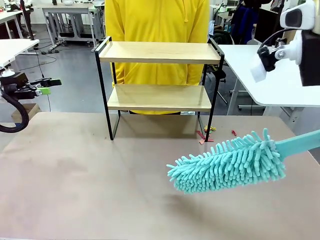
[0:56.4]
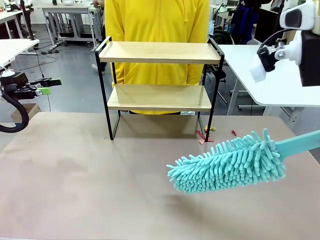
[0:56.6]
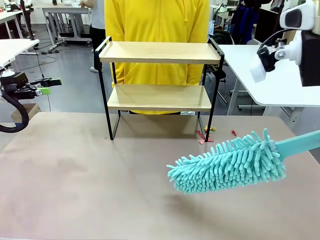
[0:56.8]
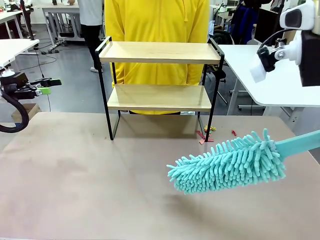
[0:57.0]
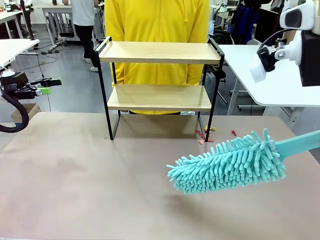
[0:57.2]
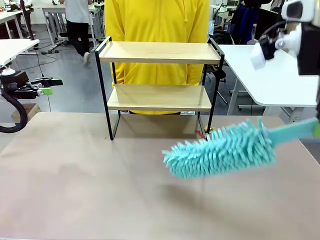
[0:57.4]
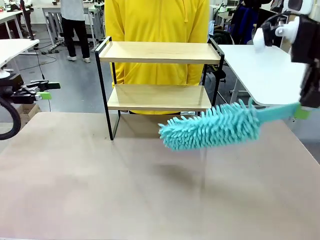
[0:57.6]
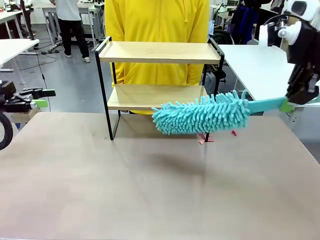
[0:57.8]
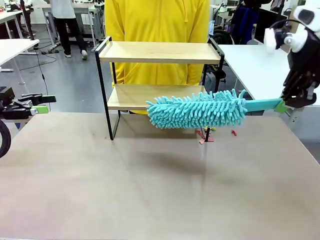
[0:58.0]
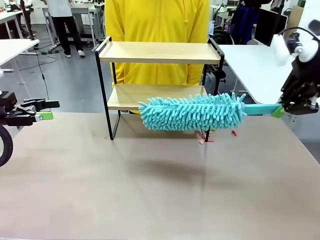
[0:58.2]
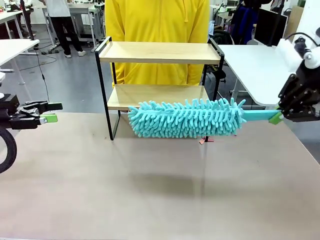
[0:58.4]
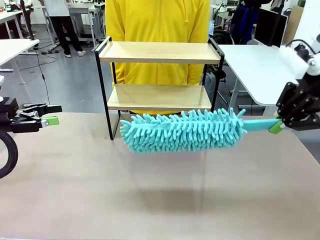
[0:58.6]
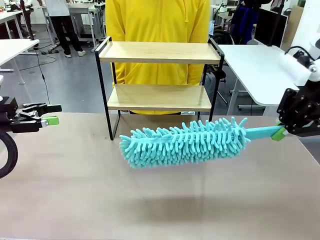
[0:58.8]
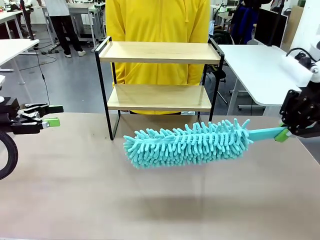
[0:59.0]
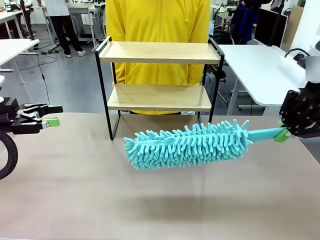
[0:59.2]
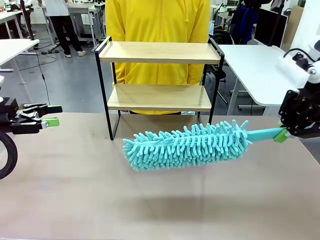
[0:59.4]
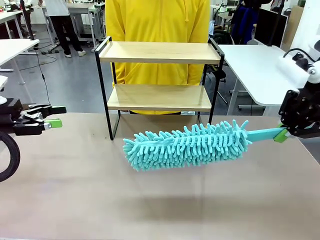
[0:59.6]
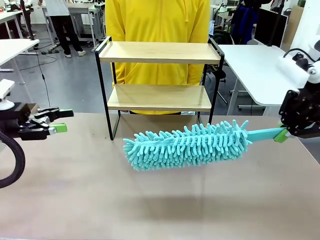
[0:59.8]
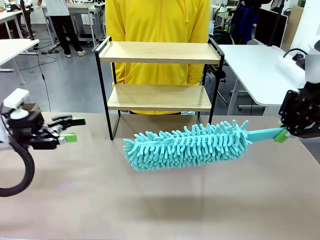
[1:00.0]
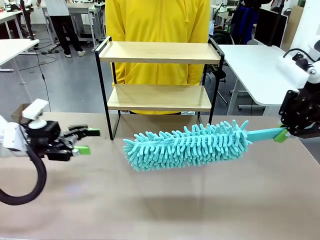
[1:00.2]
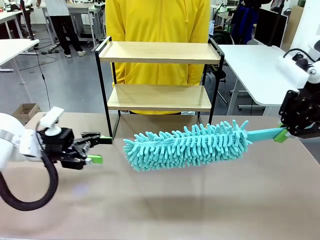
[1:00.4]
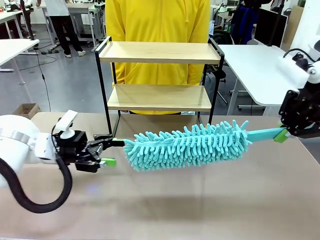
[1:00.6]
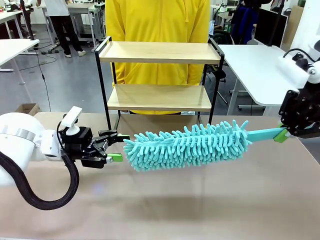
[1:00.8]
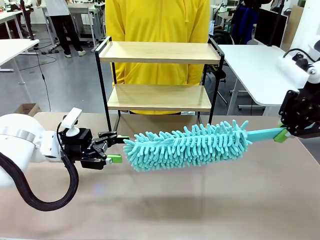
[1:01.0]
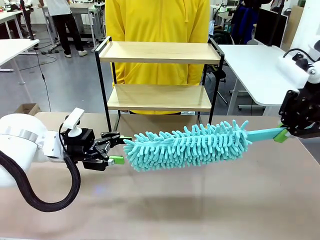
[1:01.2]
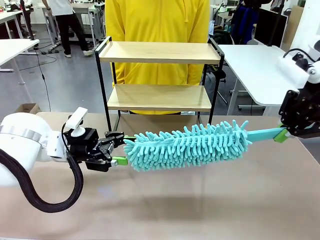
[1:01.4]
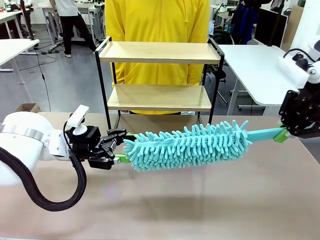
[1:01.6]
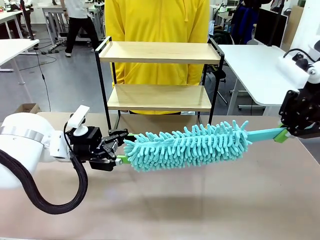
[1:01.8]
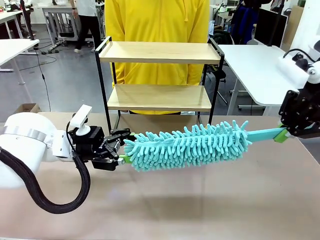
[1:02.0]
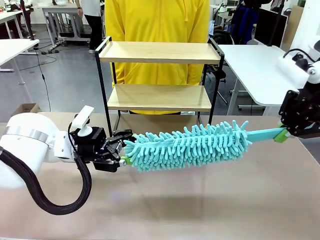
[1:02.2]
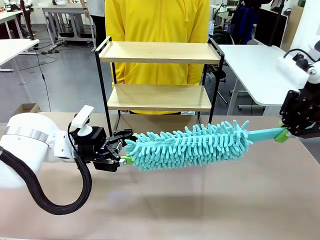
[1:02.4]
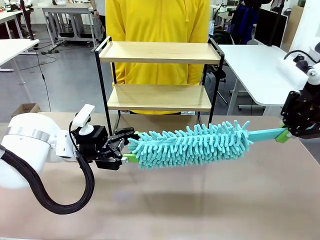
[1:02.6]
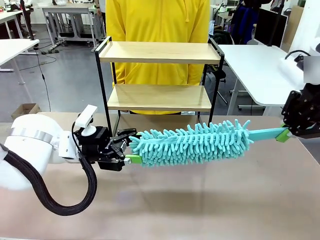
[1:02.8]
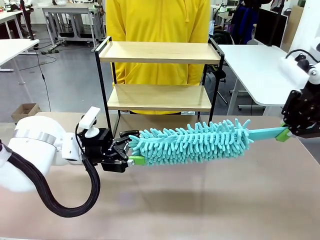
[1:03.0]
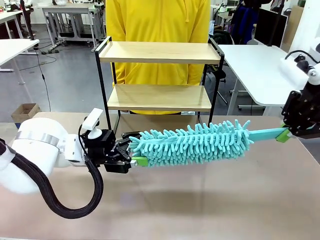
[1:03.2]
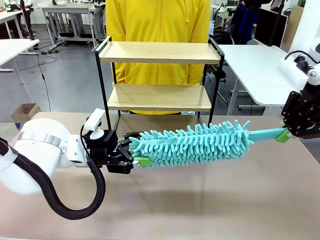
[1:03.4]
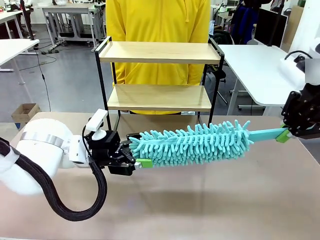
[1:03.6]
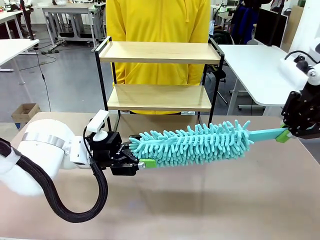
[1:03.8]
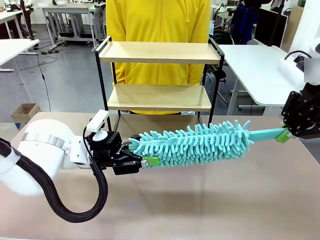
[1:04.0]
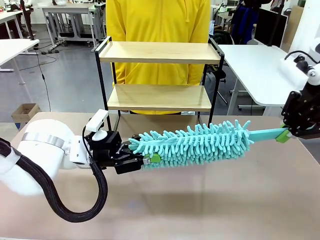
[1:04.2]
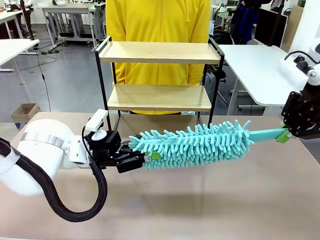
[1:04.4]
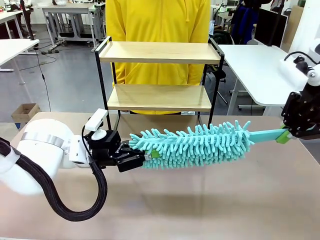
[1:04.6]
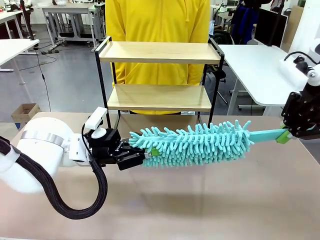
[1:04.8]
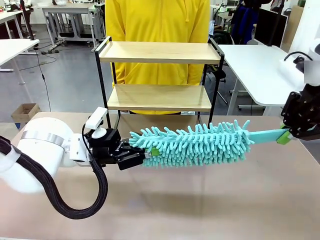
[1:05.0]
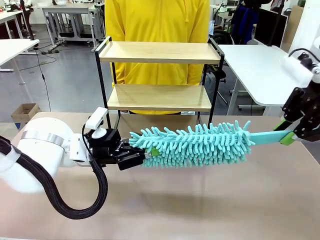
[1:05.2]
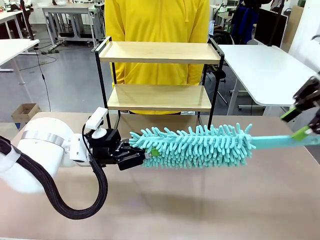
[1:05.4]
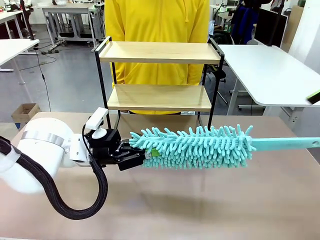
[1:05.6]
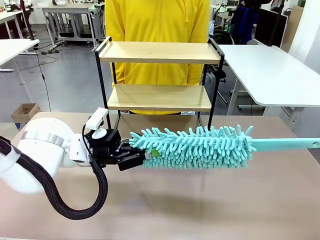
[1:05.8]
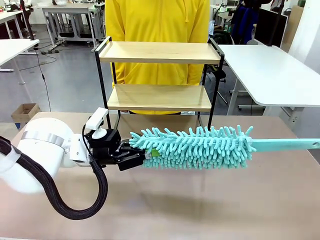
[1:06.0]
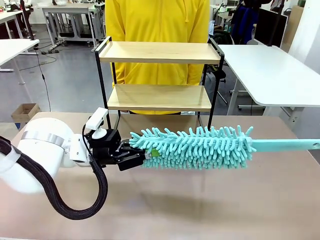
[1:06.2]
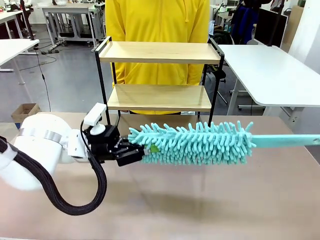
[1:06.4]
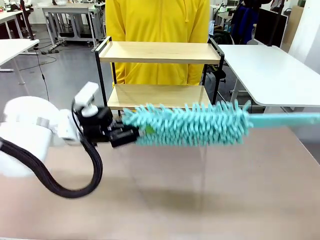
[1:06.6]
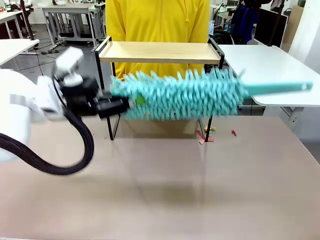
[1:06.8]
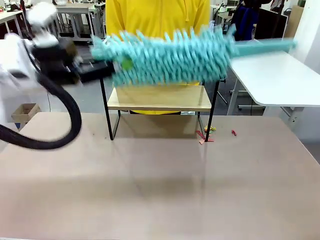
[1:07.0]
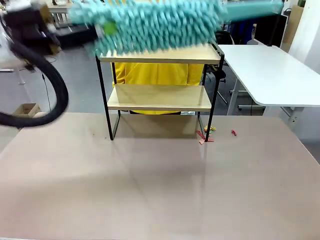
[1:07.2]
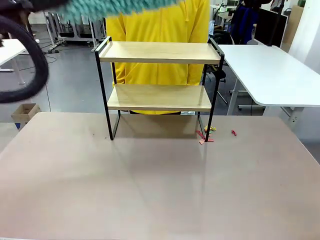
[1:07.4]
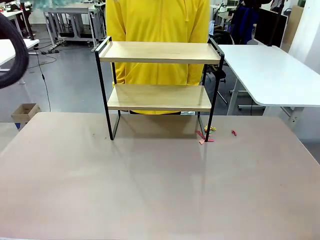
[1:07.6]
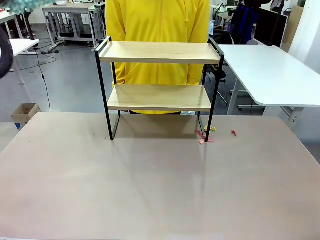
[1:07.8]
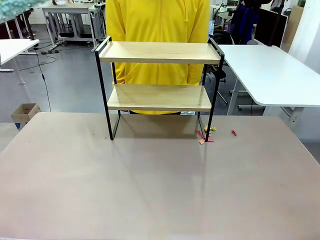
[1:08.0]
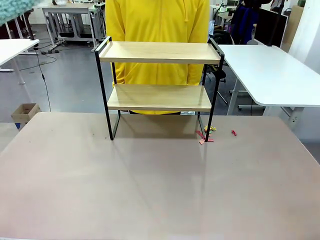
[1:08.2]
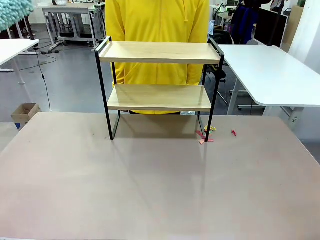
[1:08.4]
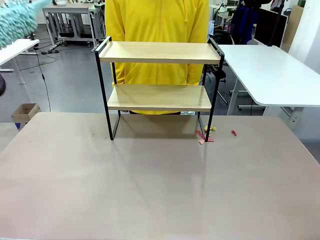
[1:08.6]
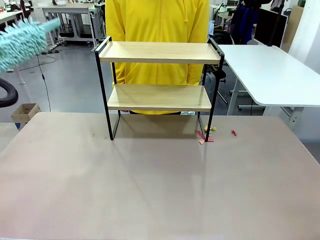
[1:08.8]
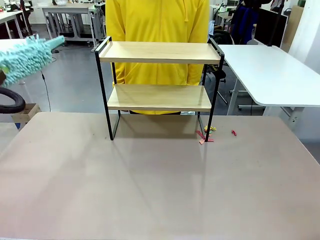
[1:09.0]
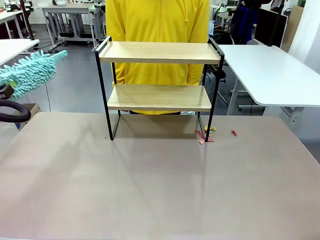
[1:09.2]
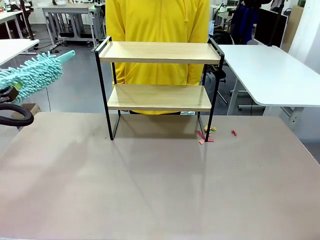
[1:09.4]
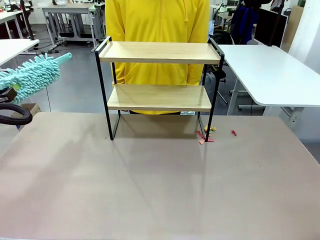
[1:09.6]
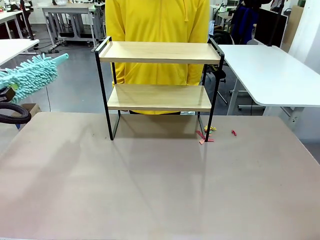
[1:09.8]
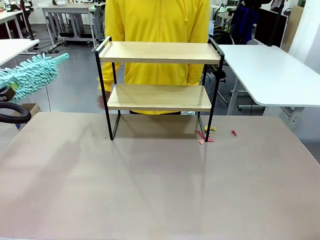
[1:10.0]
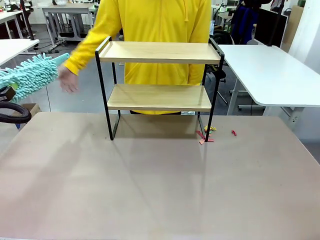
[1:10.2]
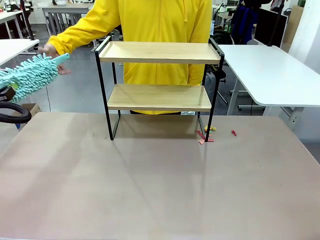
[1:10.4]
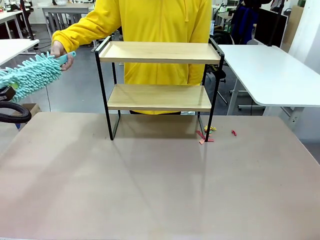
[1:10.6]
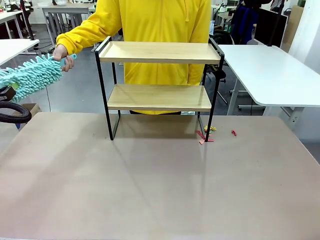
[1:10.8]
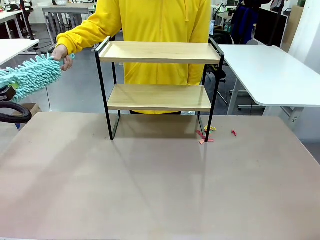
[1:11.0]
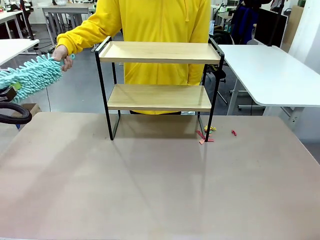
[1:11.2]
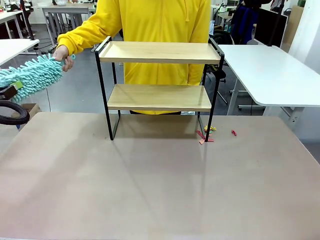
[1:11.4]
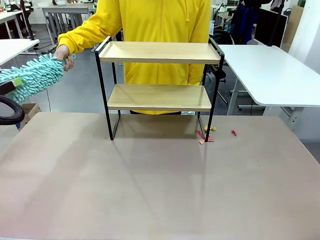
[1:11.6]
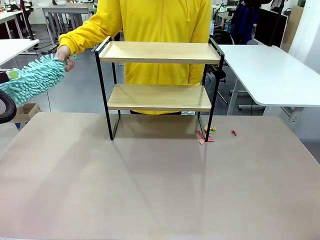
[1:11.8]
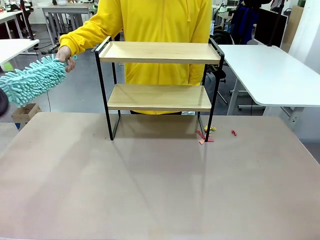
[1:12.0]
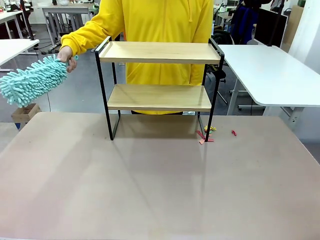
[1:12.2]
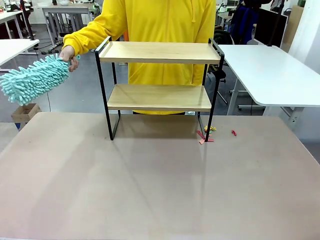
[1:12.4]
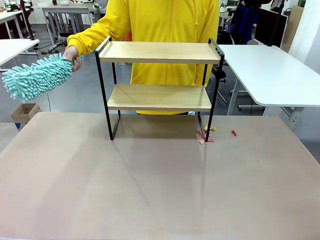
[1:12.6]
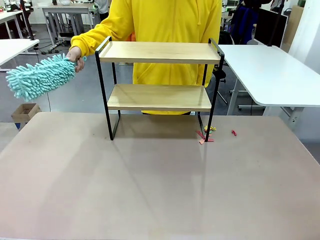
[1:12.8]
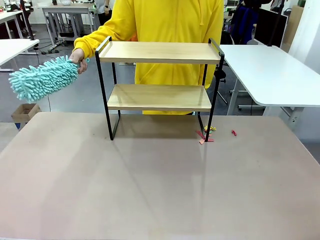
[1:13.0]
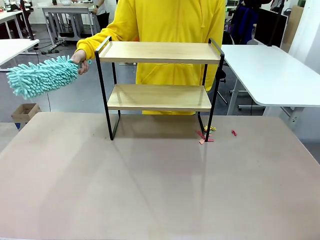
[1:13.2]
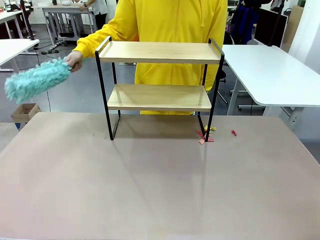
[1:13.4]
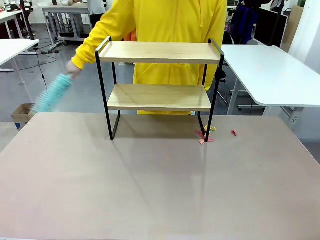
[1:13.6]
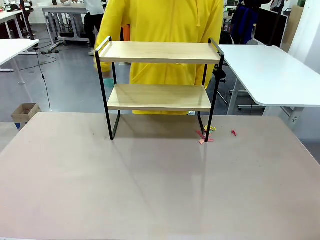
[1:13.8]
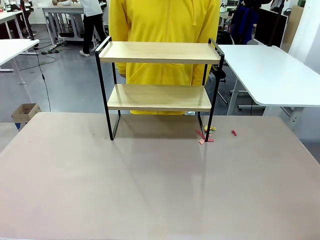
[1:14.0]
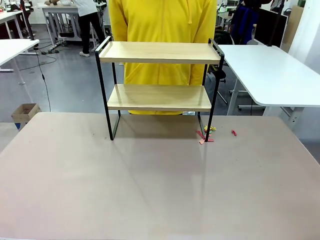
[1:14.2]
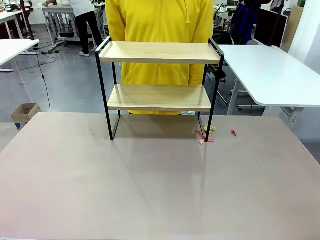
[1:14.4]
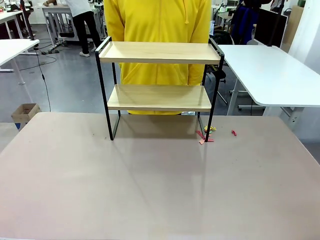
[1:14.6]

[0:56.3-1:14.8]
Task: Clean the shelf.
Robot: Hand the Duster back to the human.
Person: Receive the Duster from the robot.
